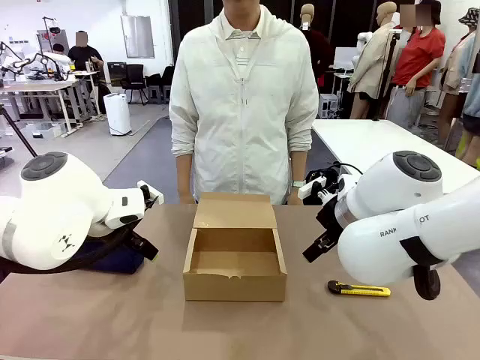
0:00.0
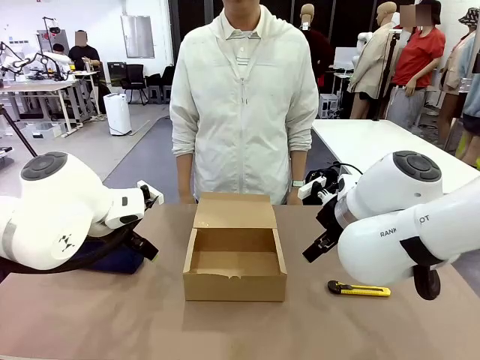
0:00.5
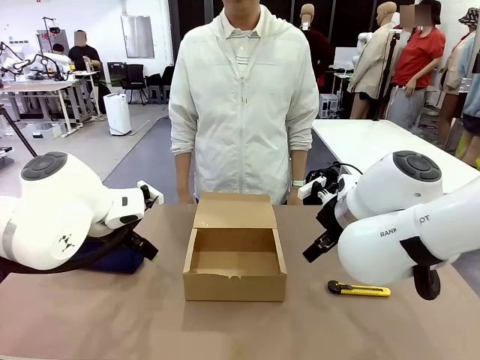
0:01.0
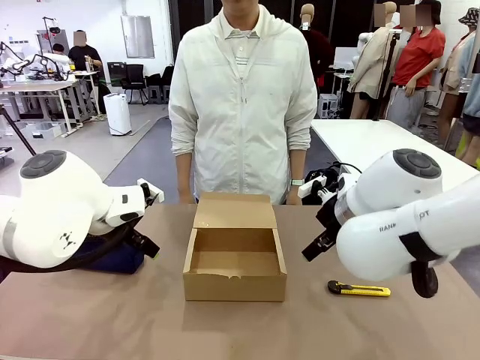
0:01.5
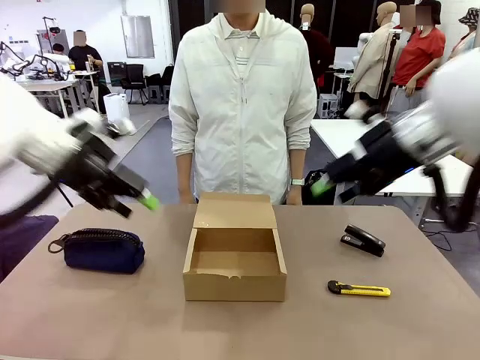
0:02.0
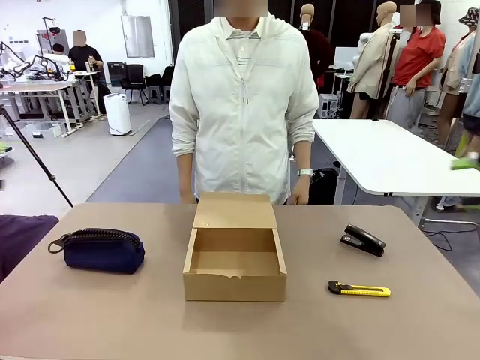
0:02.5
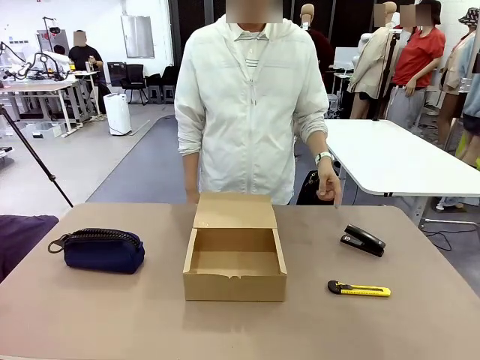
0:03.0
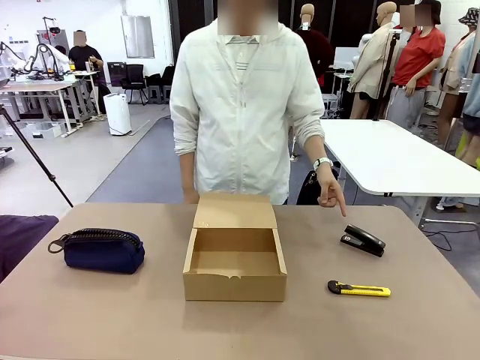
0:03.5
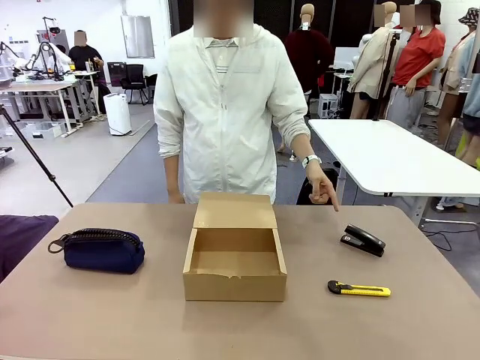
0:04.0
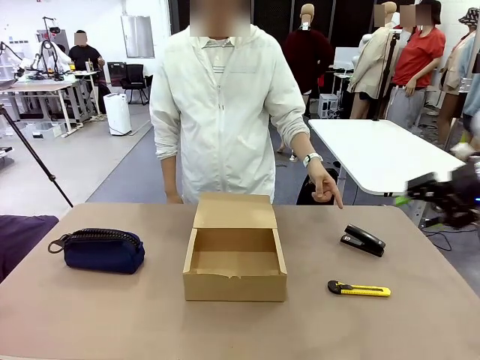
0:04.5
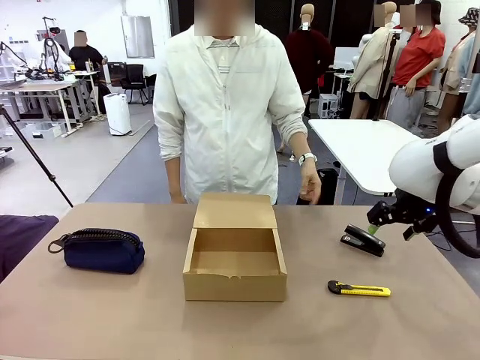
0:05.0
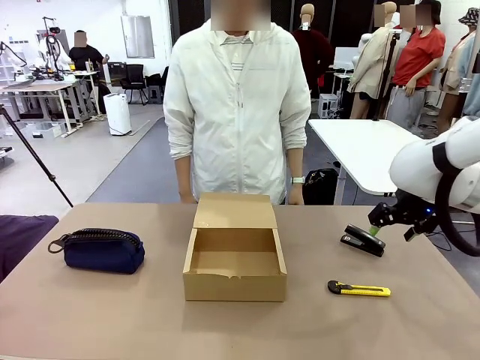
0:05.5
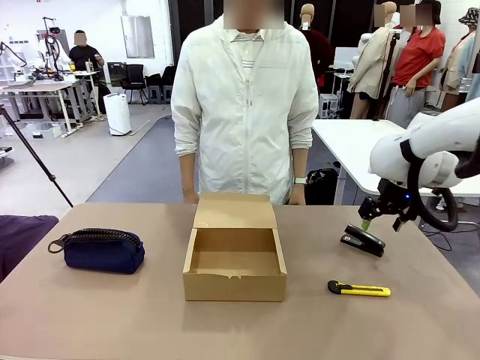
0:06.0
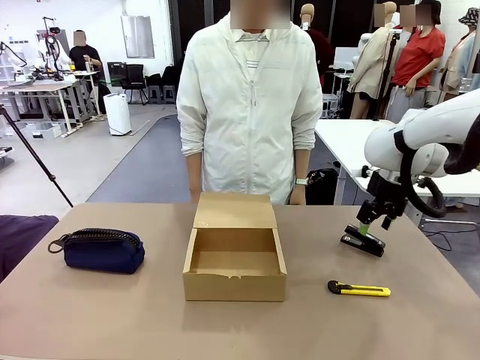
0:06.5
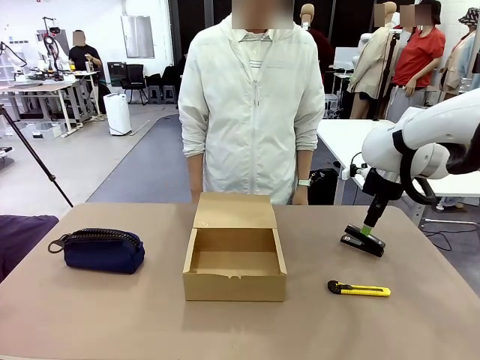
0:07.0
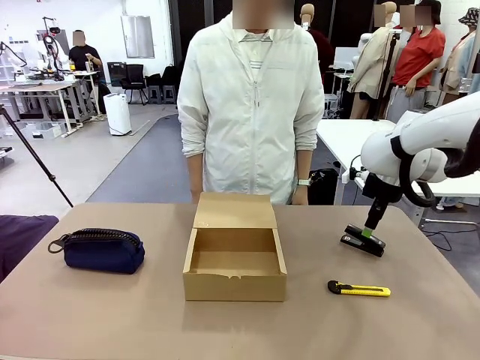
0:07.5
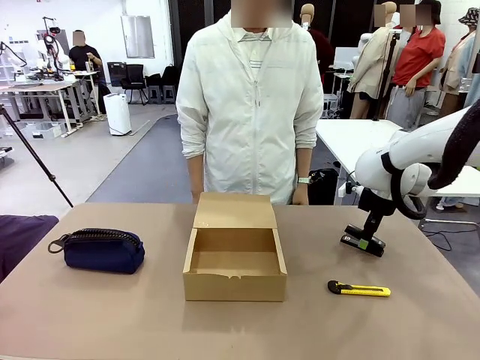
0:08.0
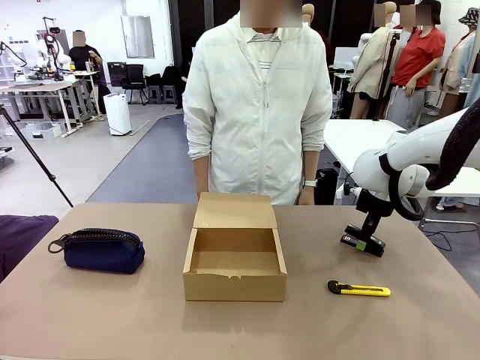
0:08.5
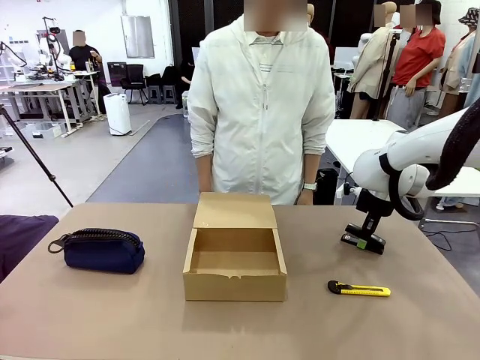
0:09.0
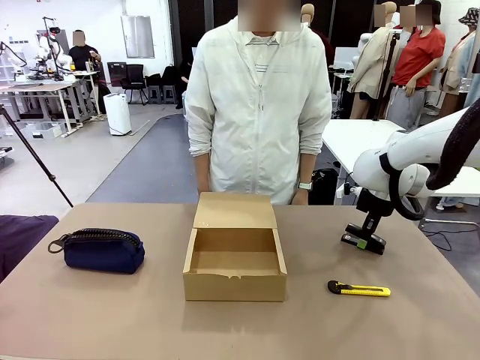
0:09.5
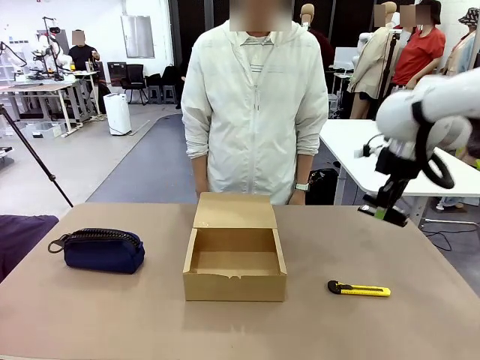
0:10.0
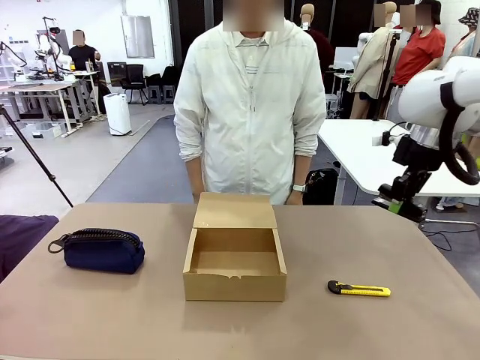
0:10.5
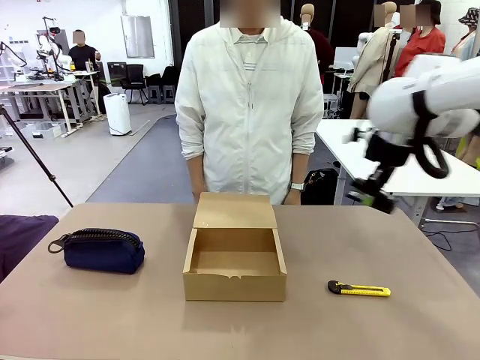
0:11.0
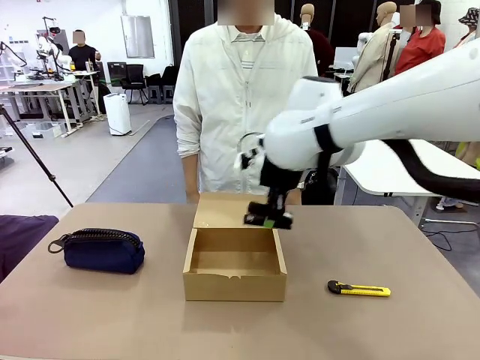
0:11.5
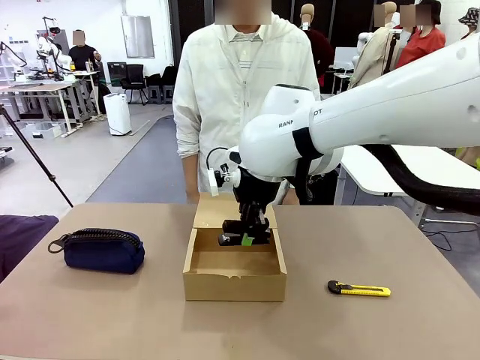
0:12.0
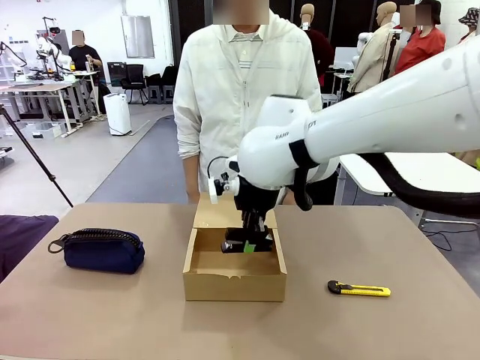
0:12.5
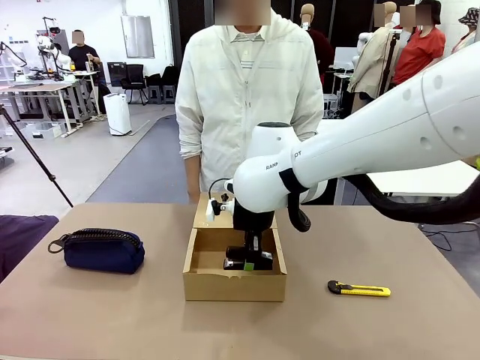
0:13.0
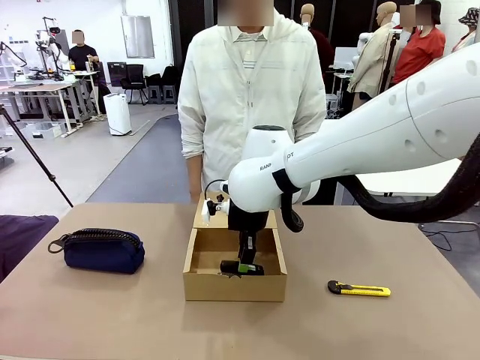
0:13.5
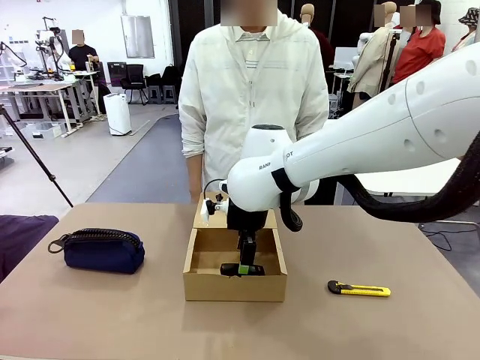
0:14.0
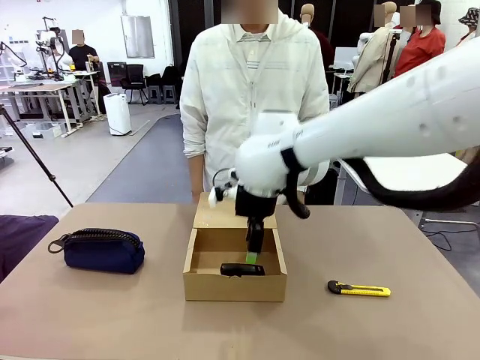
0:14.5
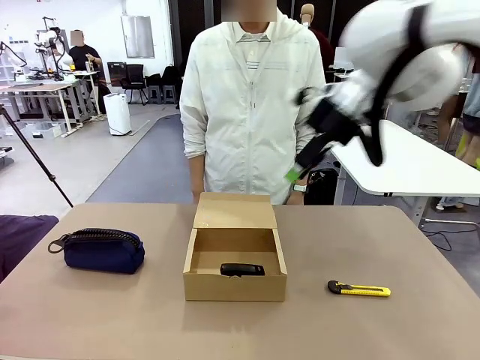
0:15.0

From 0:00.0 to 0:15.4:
Task: Pack the items into the box.
Robot: Pick up the item specified by the human and place it in the Mailer Box.
Person: Point at one item on the table (excluding the box).

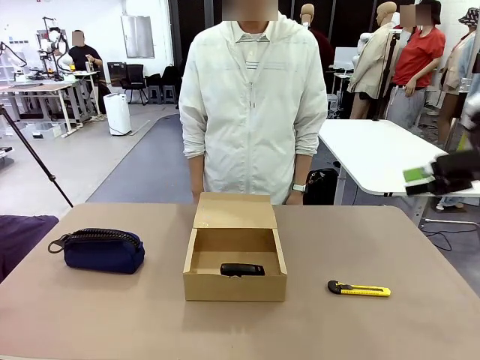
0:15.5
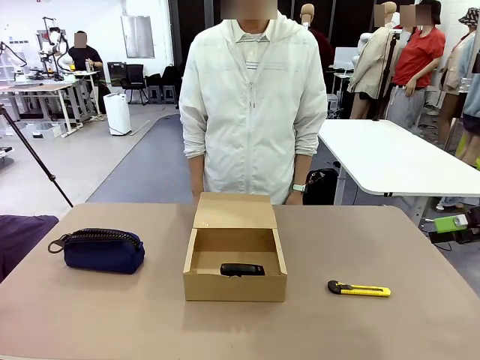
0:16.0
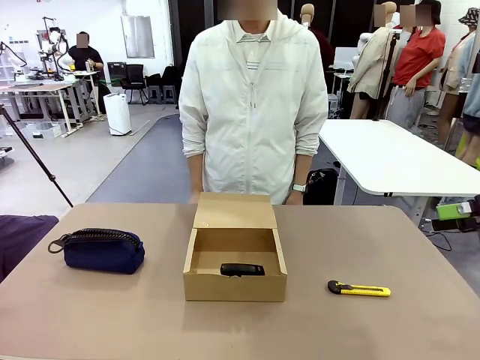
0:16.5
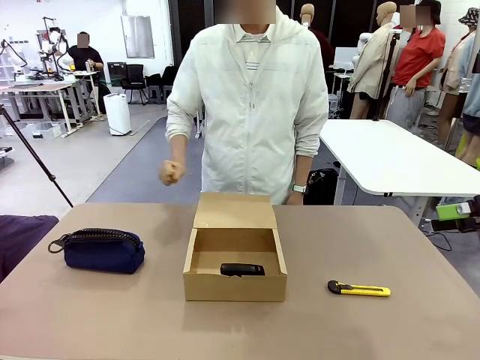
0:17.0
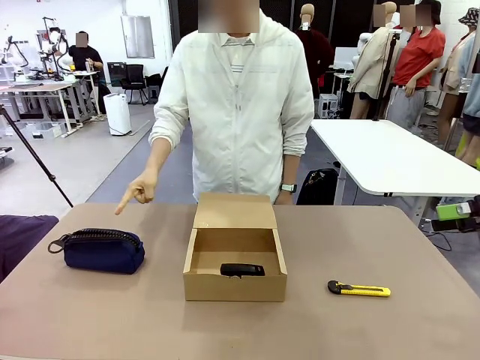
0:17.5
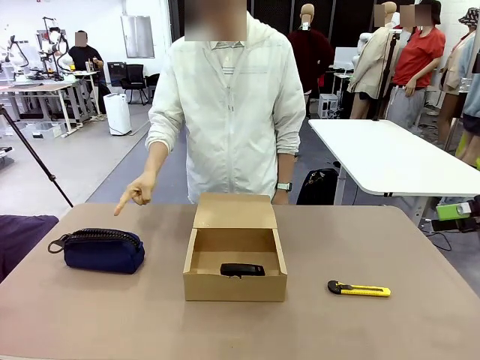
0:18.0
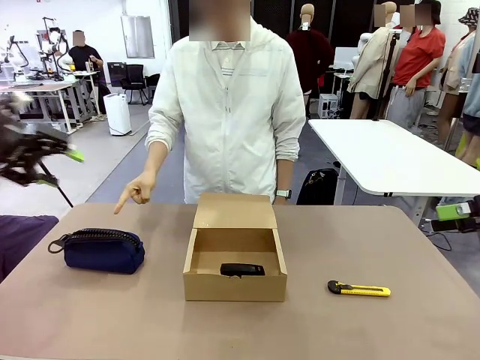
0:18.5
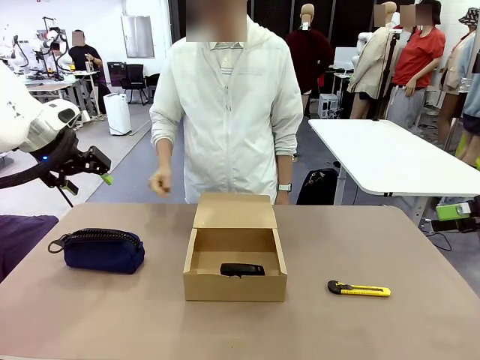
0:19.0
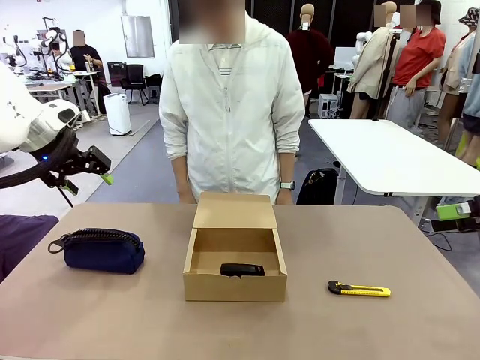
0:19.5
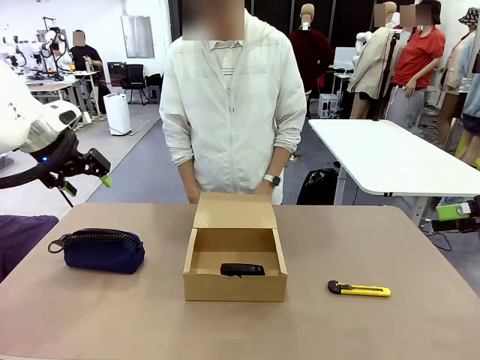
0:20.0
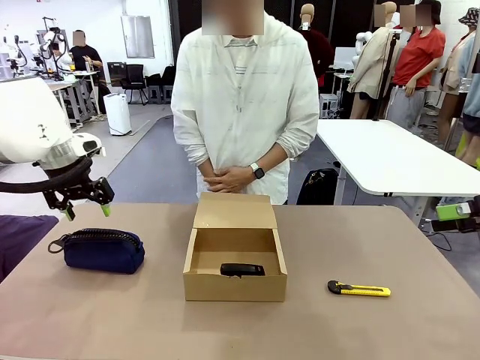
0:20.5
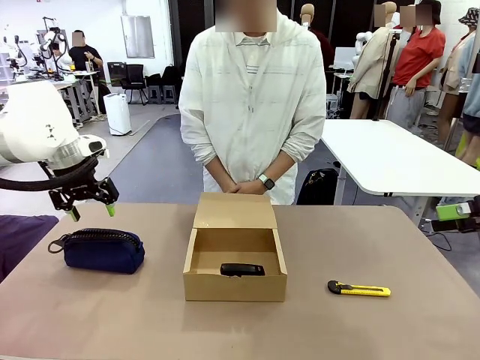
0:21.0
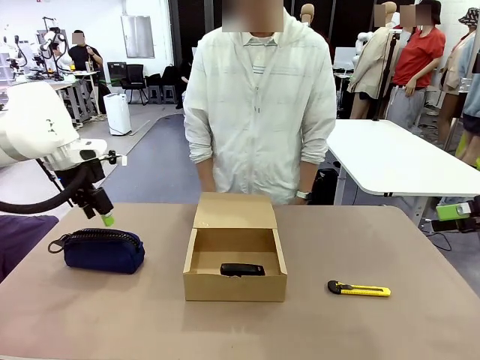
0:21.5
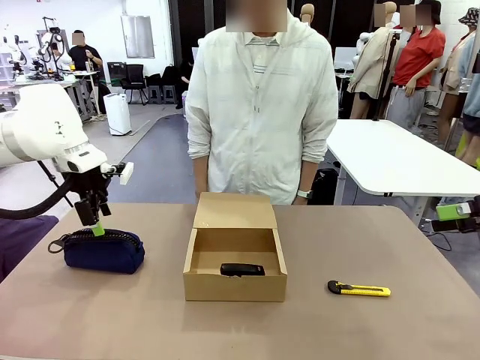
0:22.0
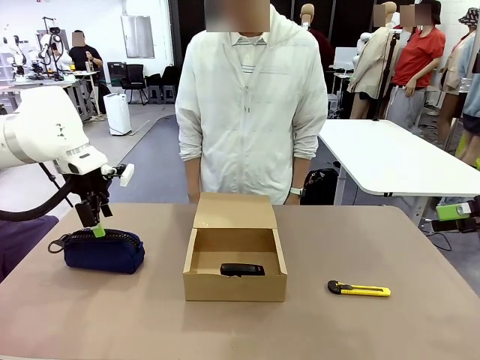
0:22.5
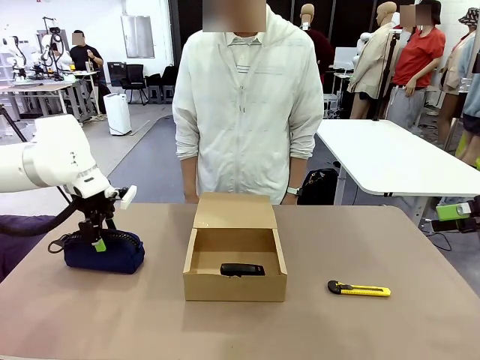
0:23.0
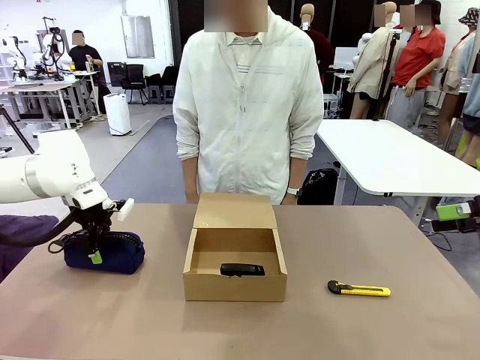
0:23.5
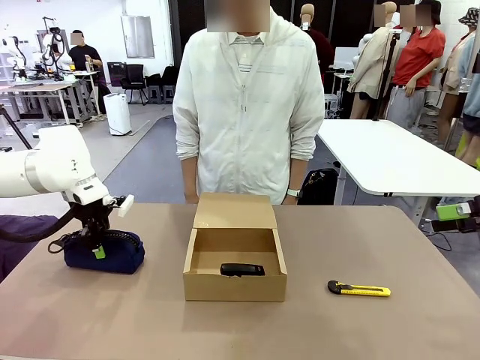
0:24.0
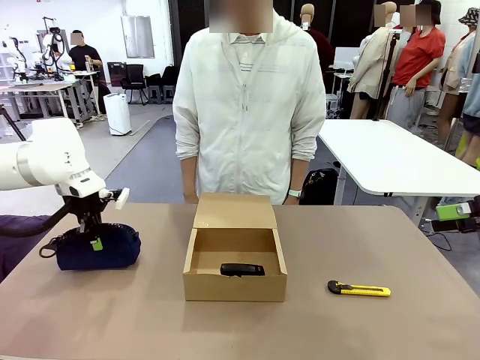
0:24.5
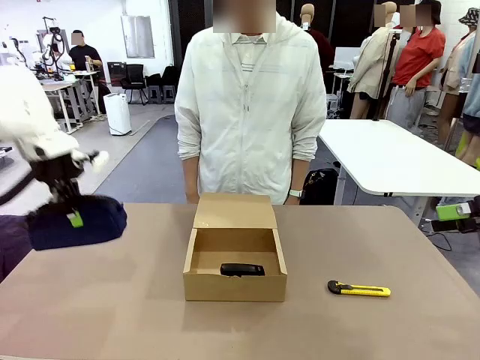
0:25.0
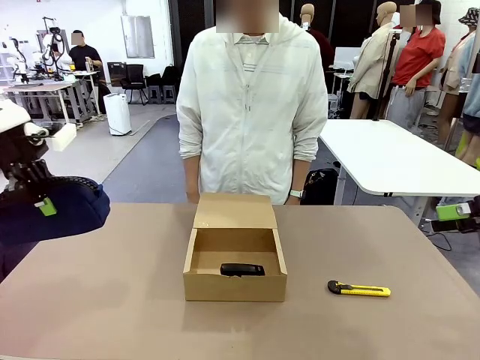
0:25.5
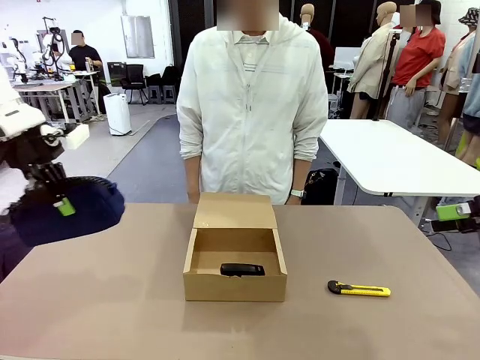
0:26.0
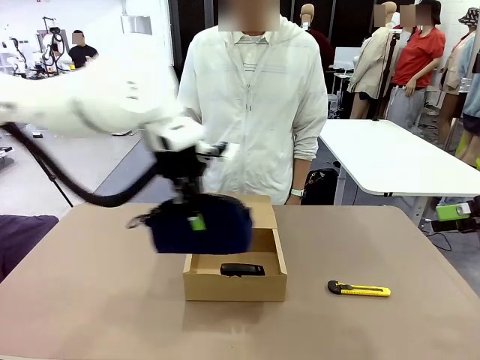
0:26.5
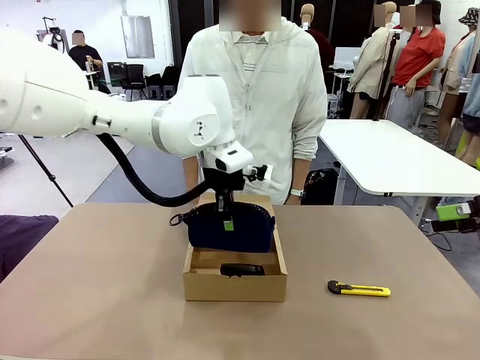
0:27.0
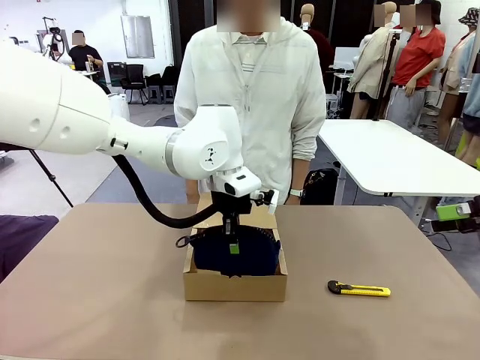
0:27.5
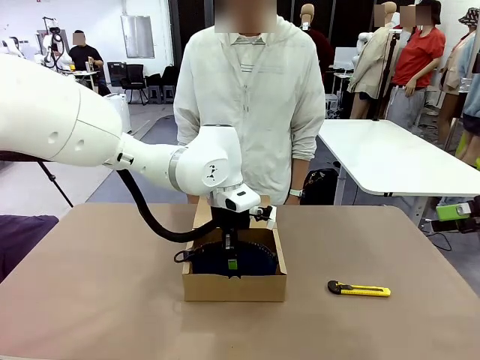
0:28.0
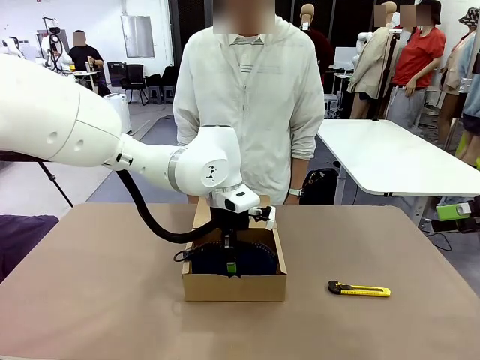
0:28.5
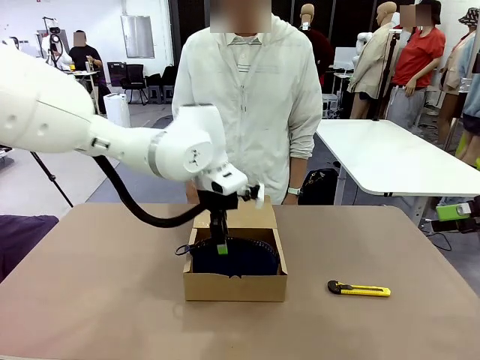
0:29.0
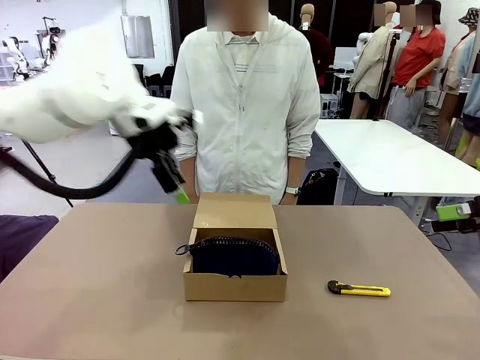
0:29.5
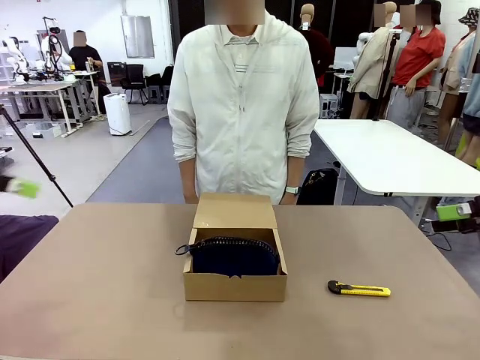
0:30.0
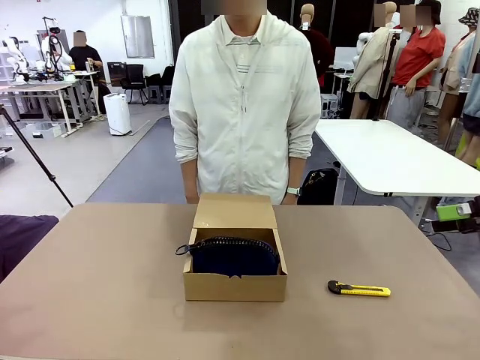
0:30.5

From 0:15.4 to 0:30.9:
Robot: Pick up the item specified by the human and place it in the Mailer Box.
Person: Lower both hands vertically with palms facing downward, as if pressing something closed.
